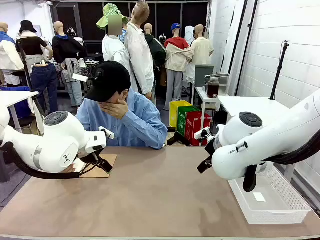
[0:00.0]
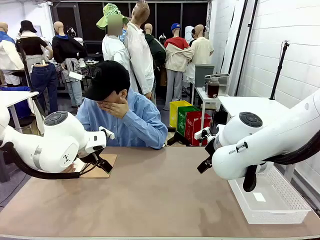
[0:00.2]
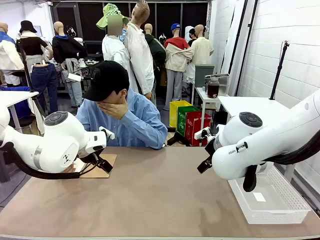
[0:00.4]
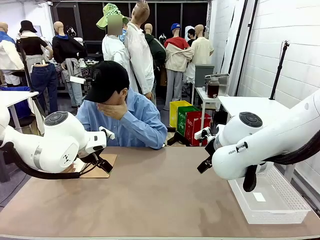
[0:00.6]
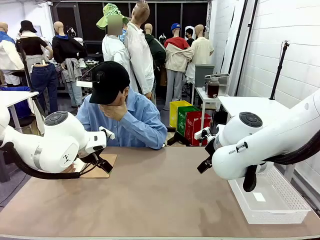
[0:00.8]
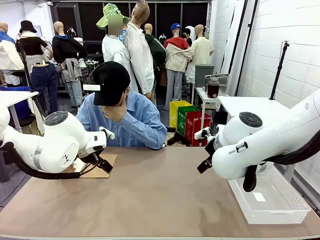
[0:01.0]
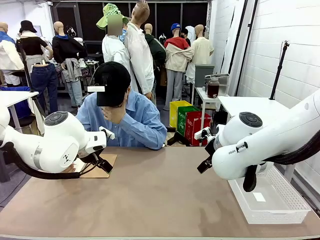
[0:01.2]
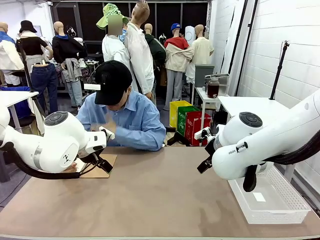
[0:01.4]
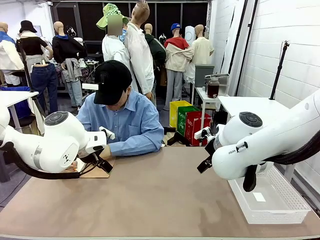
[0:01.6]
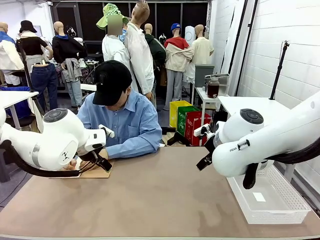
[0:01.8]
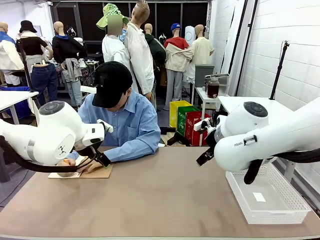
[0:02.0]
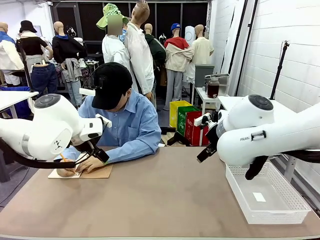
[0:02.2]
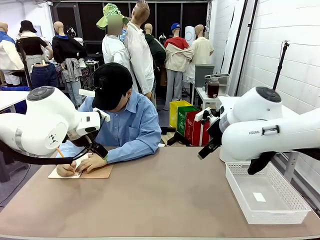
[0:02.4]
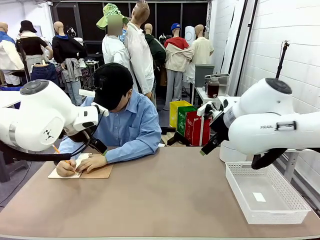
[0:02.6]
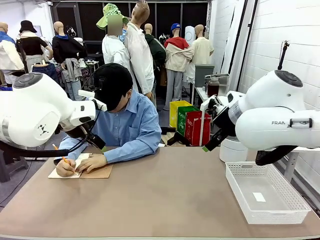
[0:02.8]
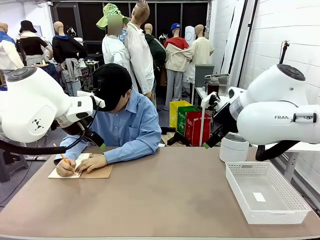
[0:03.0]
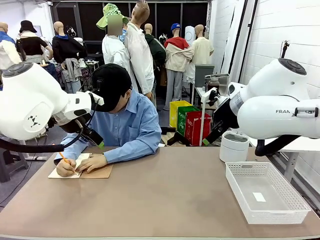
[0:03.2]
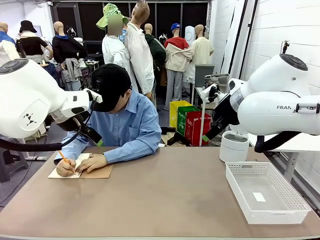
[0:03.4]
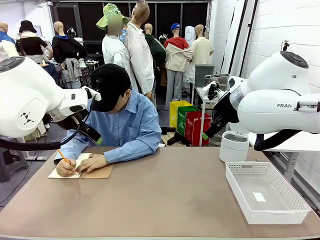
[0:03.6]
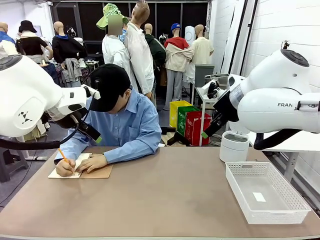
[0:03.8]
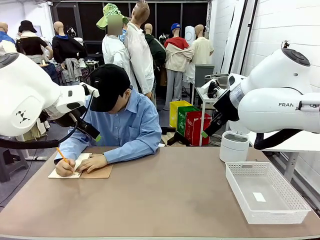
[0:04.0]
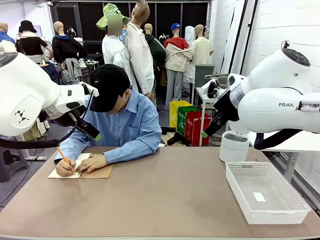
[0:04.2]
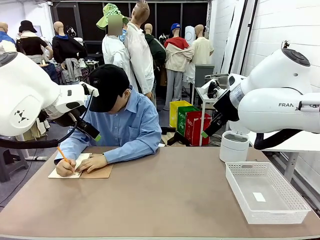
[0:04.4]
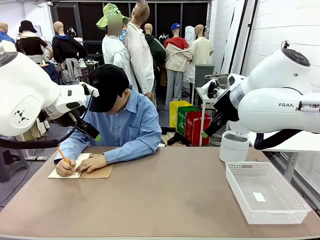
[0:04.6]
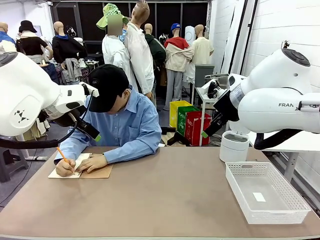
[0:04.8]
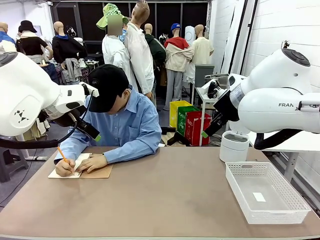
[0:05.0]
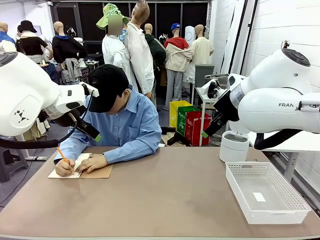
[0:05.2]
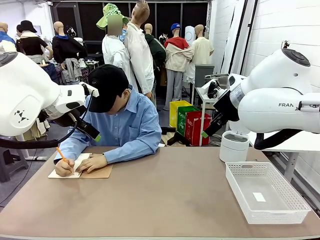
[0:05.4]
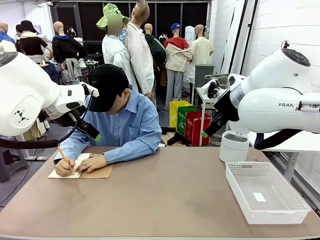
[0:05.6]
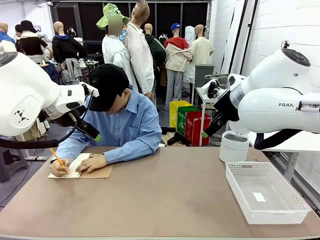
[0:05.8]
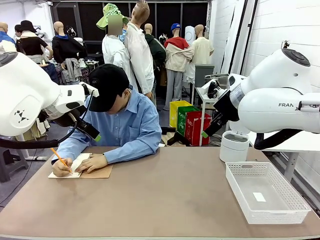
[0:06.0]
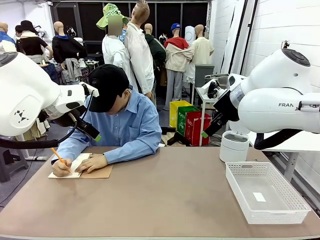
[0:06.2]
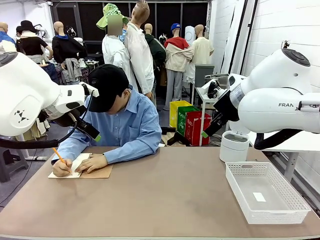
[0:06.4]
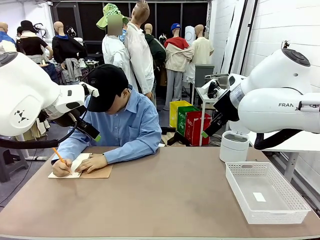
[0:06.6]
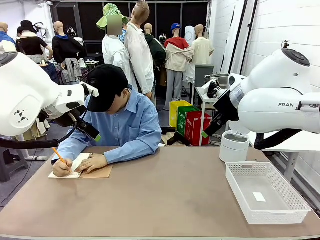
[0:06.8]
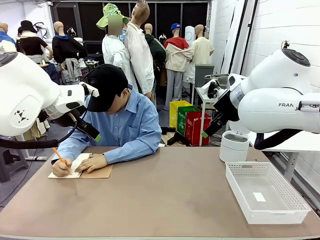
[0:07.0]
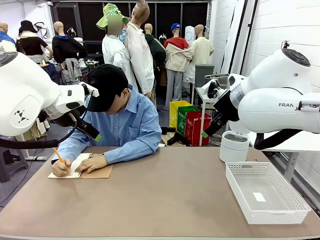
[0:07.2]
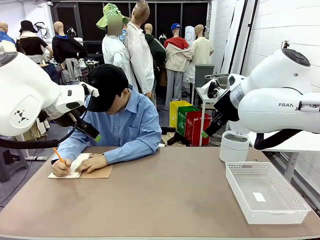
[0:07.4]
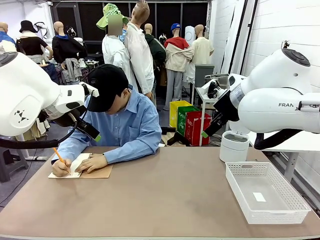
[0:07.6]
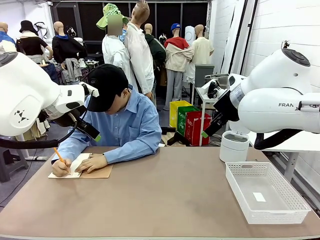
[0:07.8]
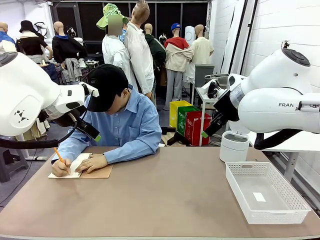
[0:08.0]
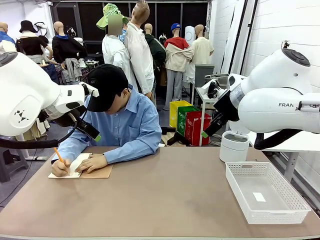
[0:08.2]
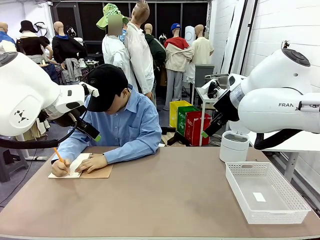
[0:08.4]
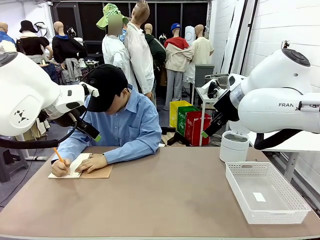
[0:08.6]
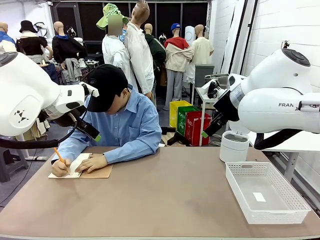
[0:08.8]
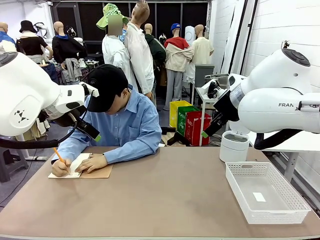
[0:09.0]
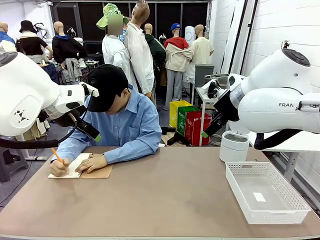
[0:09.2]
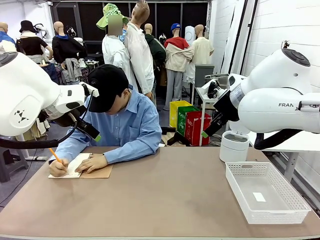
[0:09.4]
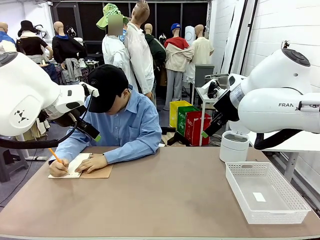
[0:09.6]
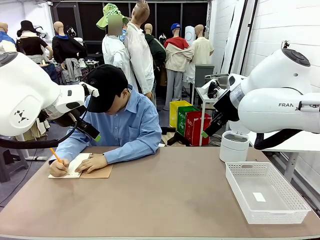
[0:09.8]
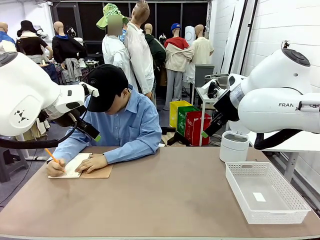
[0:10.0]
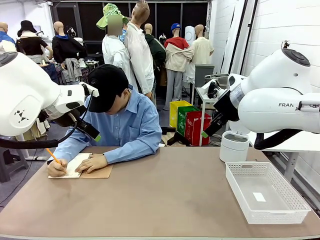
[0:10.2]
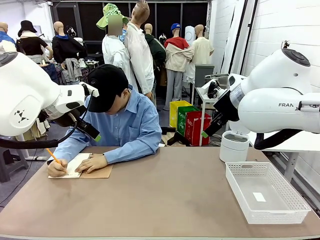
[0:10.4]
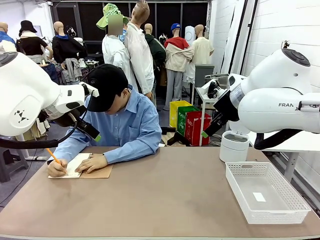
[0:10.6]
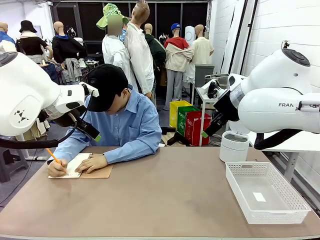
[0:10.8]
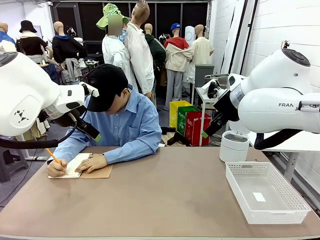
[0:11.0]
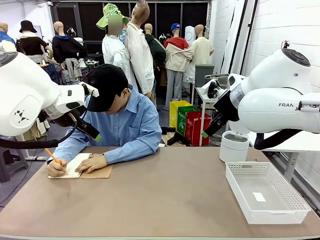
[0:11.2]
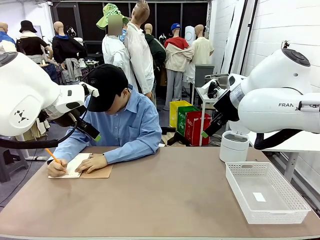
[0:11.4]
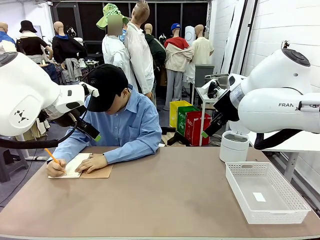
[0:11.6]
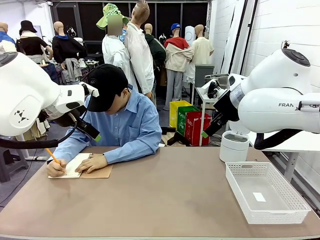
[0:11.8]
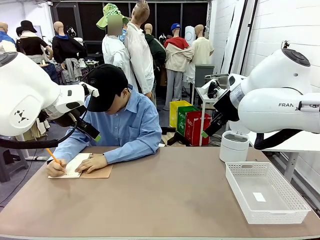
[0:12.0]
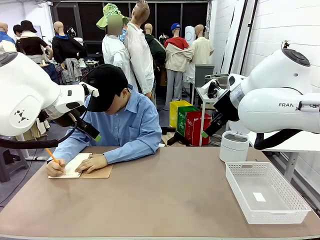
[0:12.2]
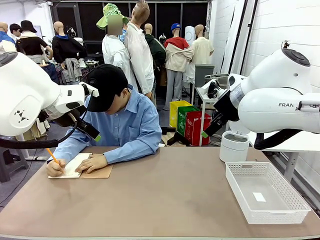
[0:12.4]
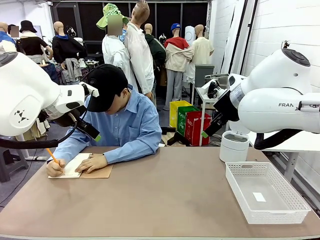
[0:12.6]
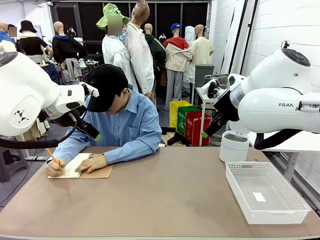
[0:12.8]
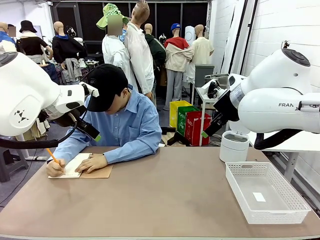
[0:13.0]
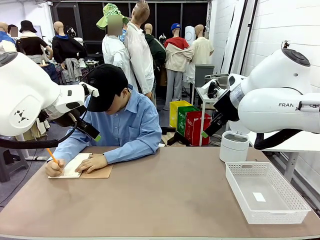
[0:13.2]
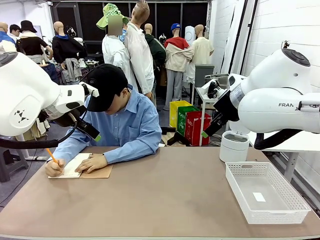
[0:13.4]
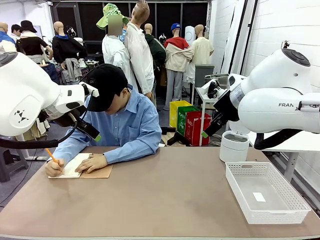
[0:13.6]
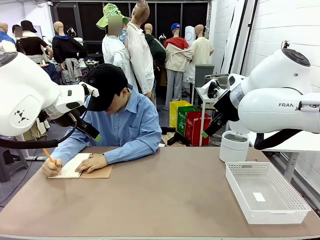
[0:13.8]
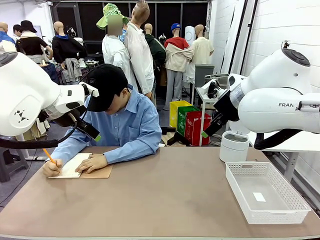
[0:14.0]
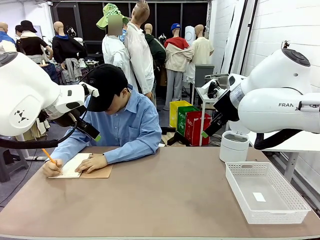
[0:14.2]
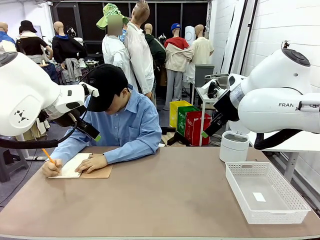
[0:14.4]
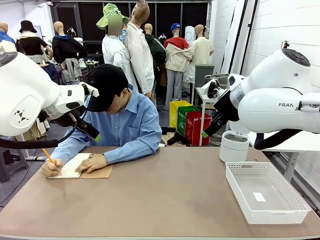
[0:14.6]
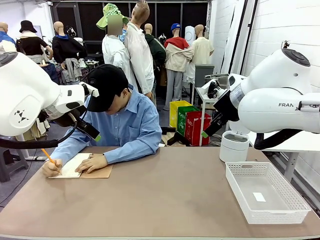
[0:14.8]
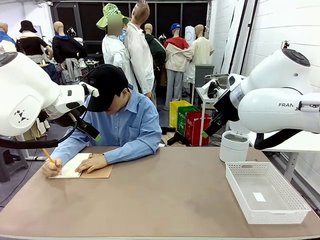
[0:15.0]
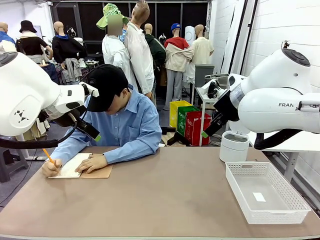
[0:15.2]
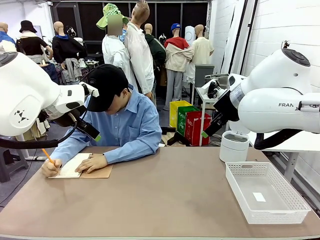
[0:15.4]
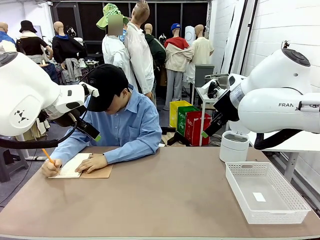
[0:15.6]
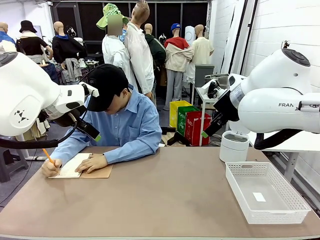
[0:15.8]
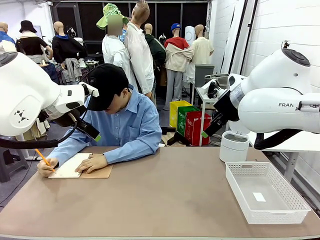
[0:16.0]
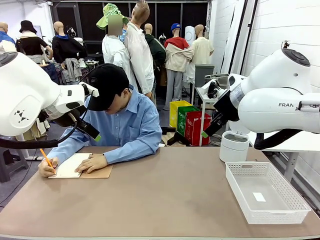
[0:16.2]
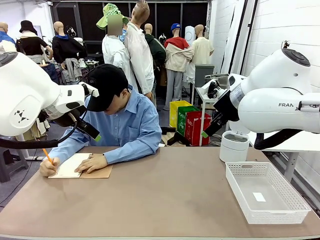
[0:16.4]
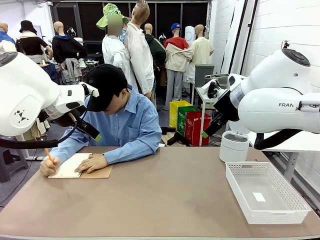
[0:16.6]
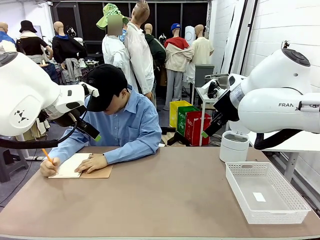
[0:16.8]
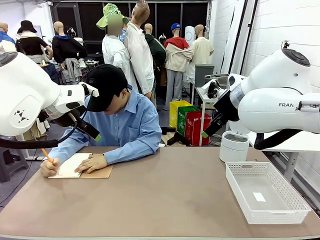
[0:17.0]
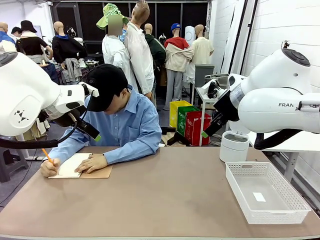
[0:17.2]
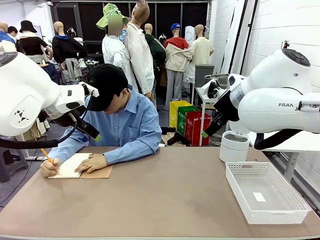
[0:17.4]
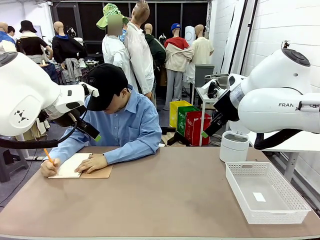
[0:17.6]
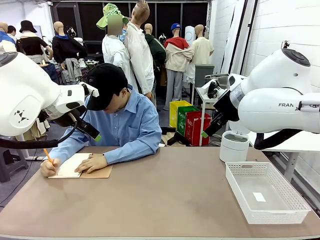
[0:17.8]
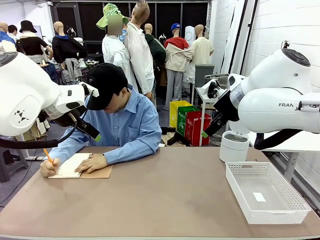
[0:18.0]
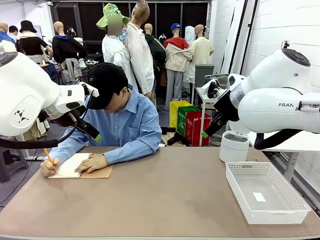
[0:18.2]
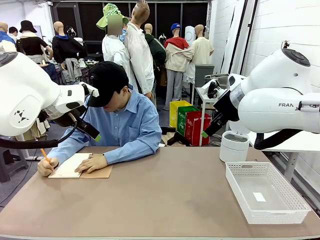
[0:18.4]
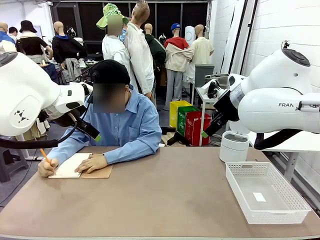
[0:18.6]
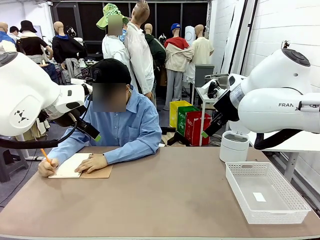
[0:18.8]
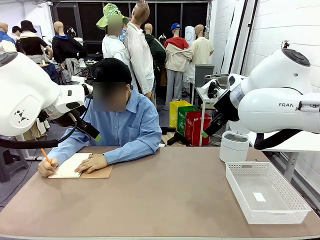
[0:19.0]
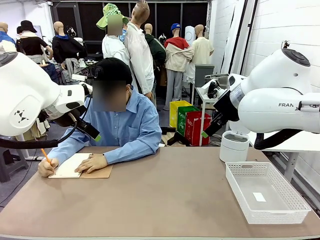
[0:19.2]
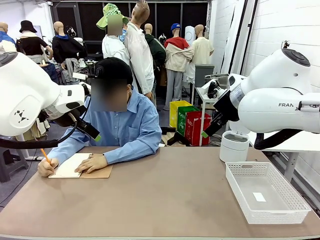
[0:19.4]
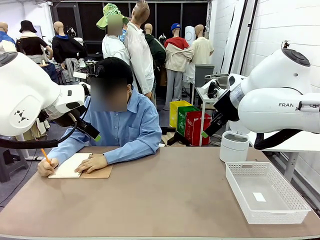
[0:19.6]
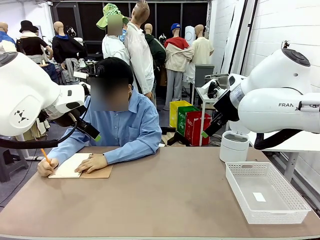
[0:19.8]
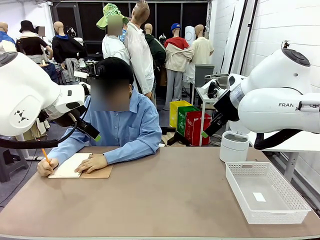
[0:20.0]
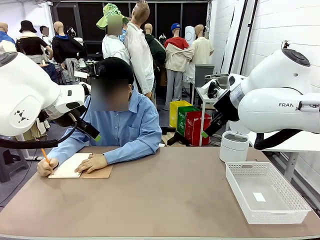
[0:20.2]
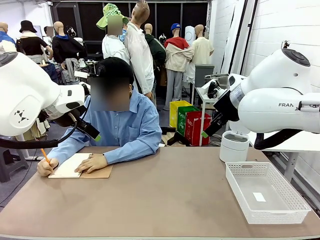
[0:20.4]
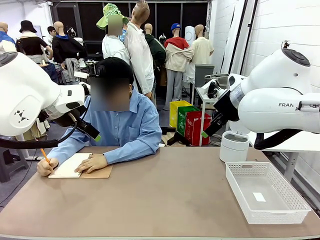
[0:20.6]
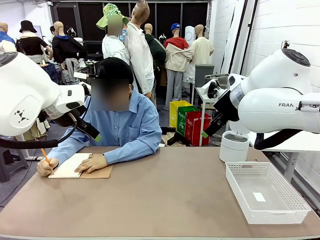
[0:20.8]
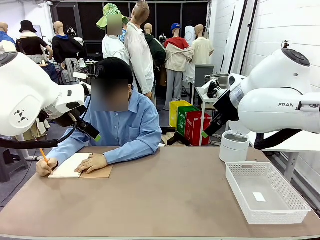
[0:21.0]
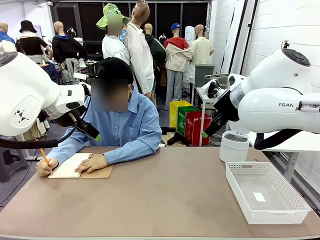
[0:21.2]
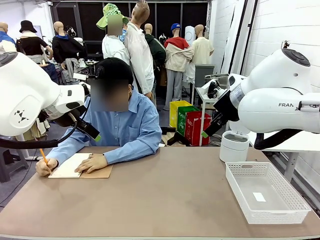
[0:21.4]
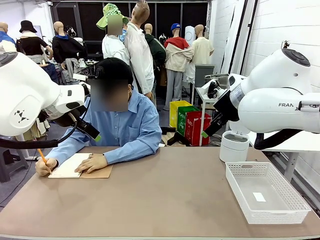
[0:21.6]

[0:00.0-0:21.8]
Task: Sort the paper based on its condition.
Robot: If a person hands you a paper, place it in the Organizing basket , and if it's crumpled, put it in the Trash can.
Person: Tear out a page from the spiral notebook.
